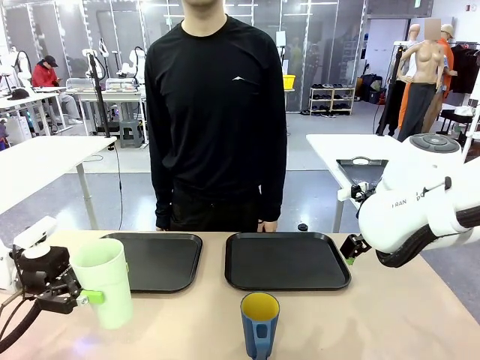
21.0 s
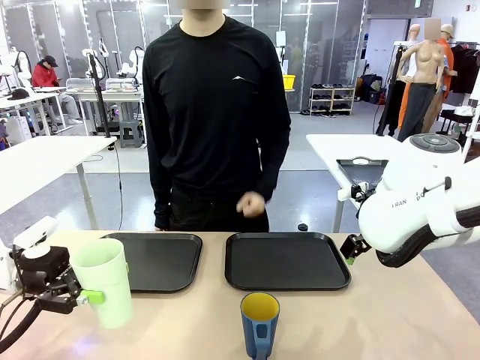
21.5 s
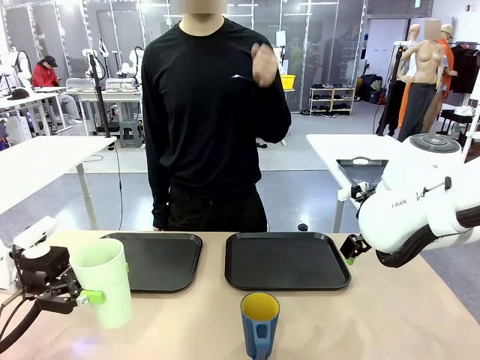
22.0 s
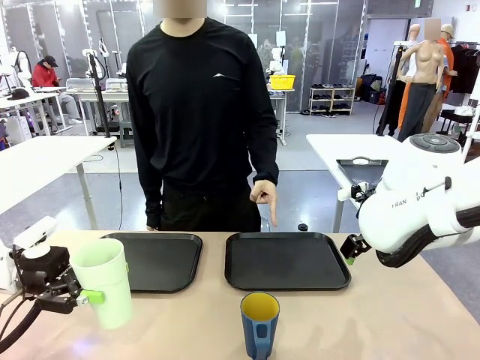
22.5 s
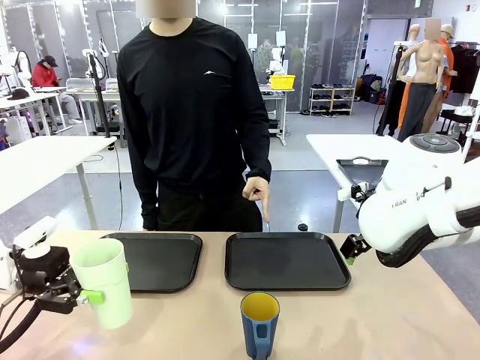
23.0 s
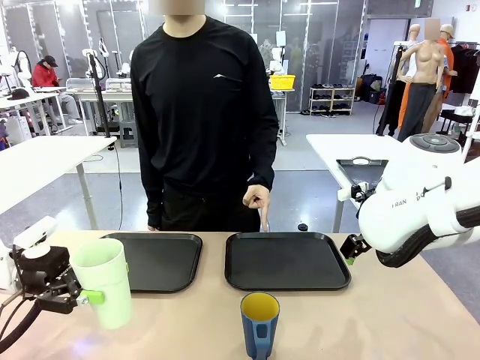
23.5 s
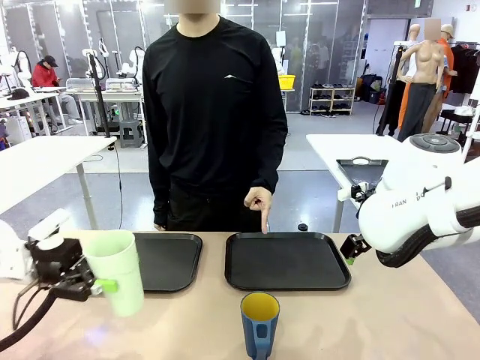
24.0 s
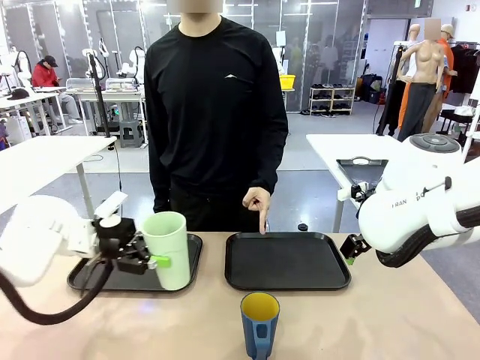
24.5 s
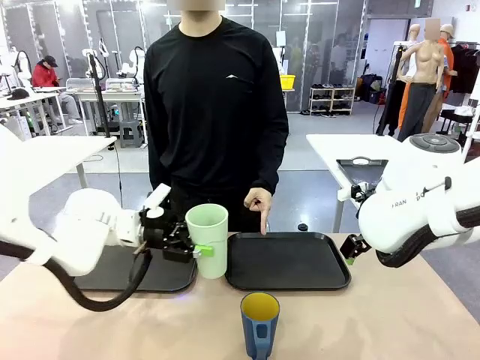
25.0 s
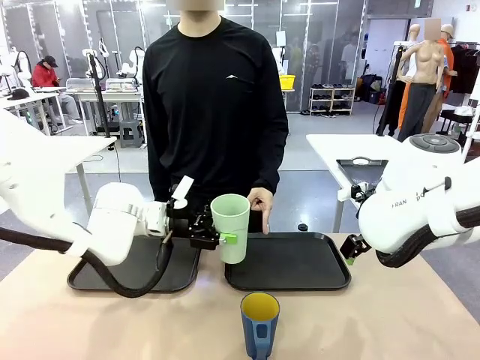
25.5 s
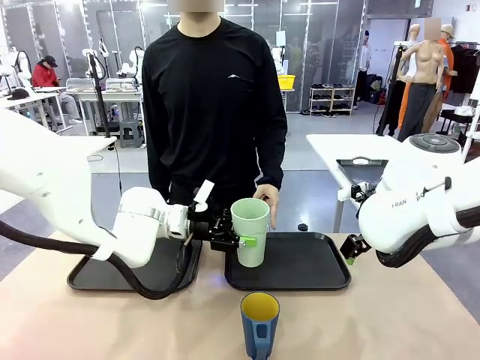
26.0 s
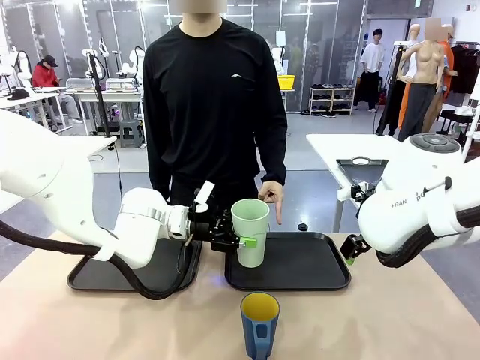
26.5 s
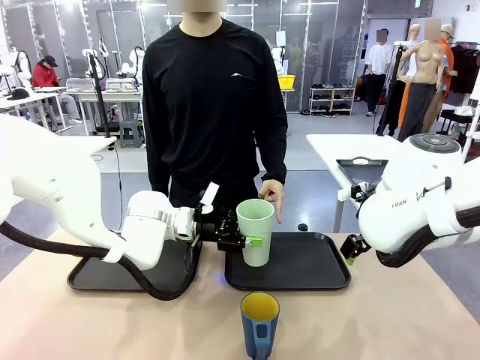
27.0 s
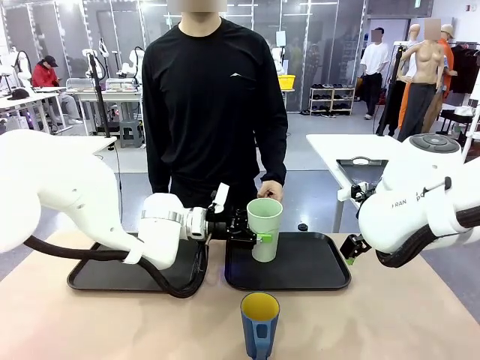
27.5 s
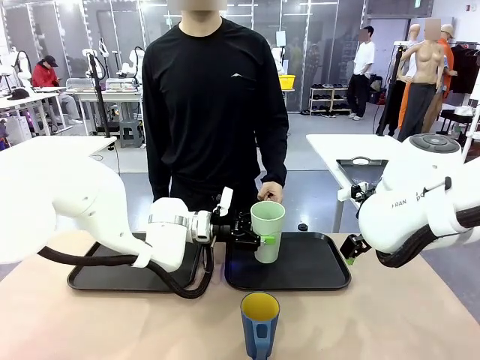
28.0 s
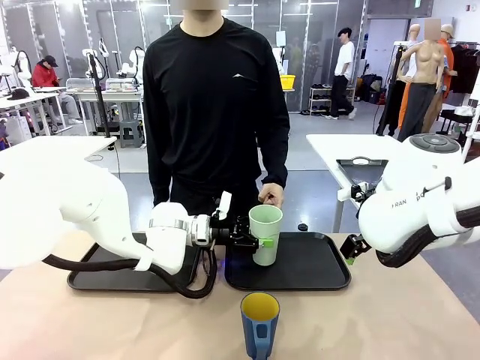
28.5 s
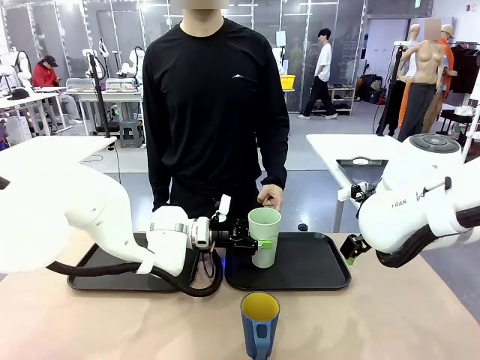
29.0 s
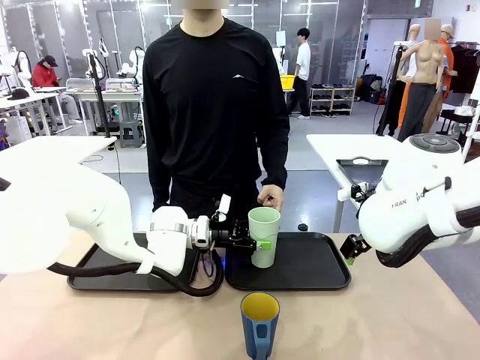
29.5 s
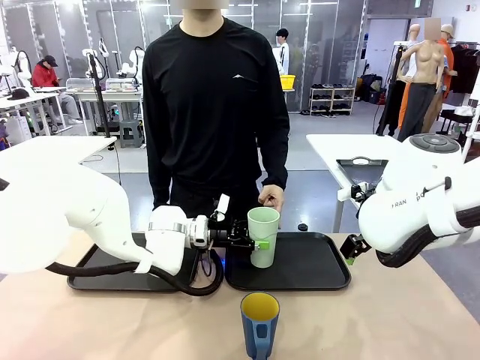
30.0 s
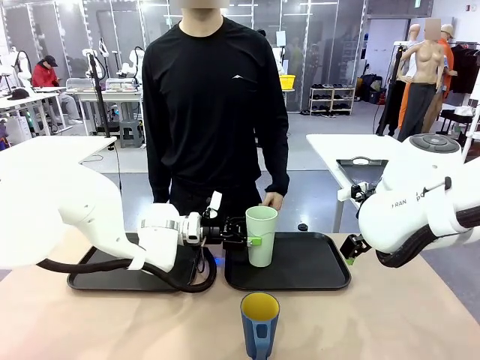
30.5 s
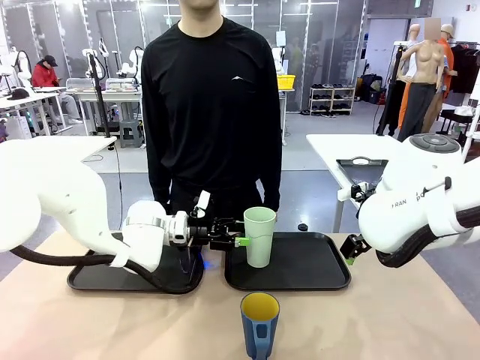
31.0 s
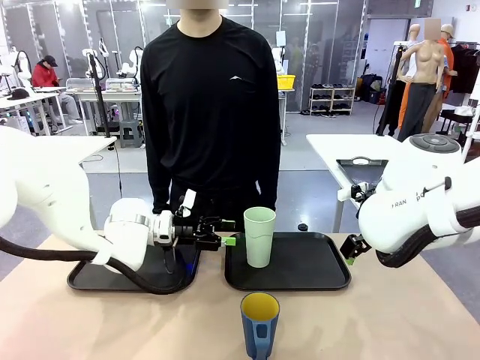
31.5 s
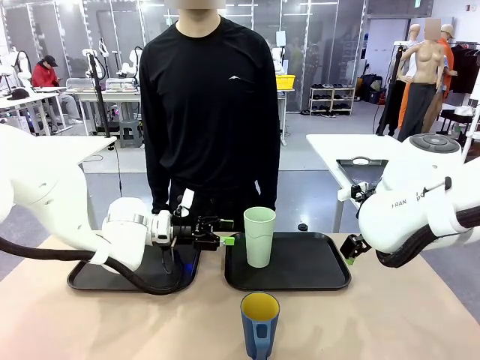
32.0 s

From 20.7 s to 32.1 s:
Task: Sort and store the cups by type.
Robot: Place the picked Reusable plastic cup into the Flat Tray indicated by the person.

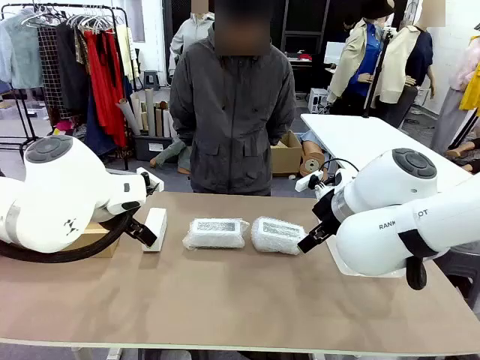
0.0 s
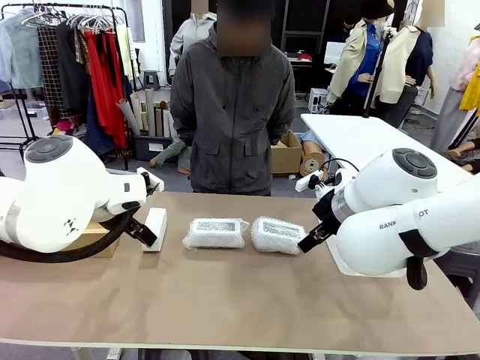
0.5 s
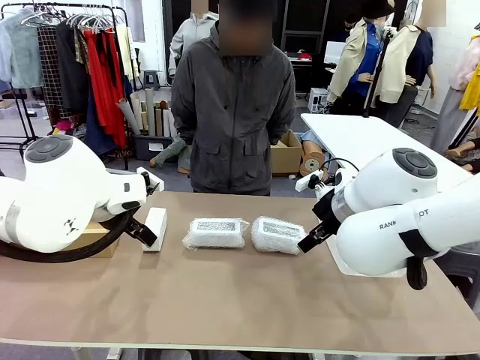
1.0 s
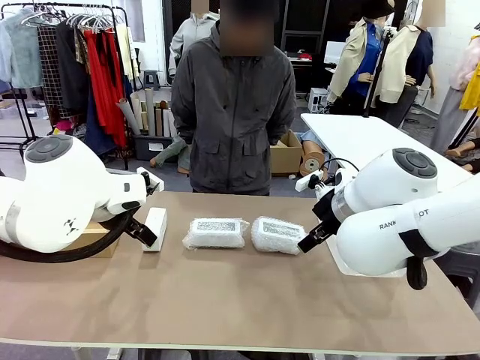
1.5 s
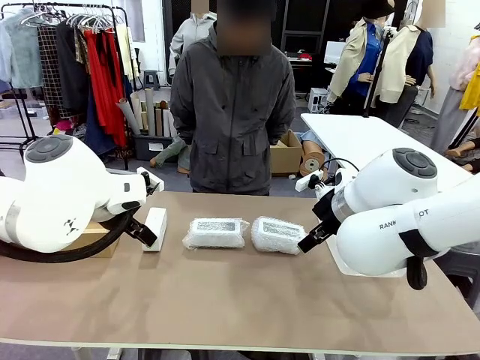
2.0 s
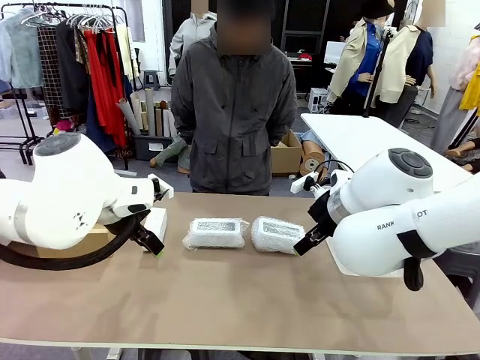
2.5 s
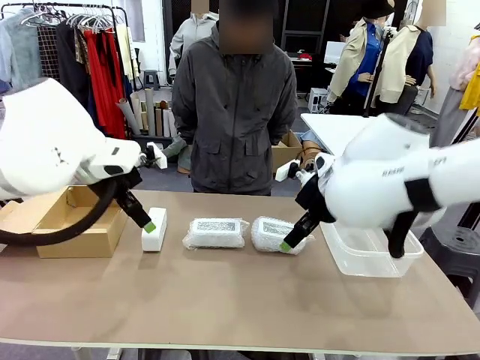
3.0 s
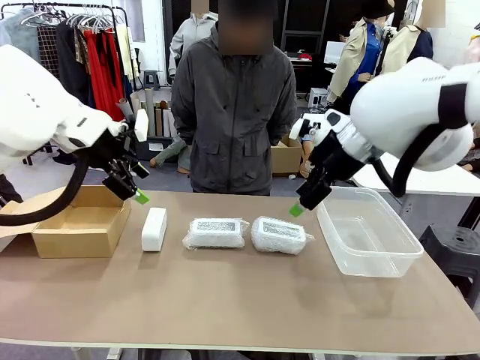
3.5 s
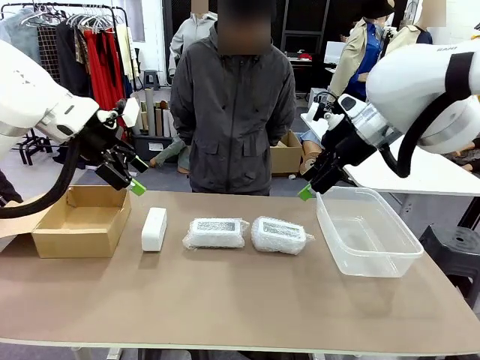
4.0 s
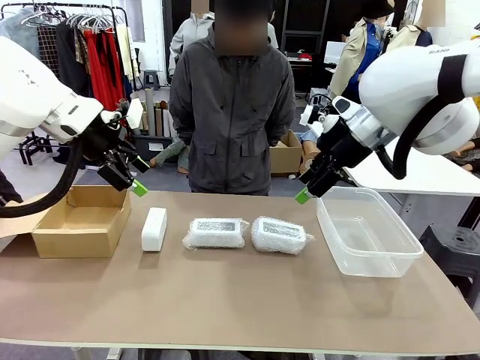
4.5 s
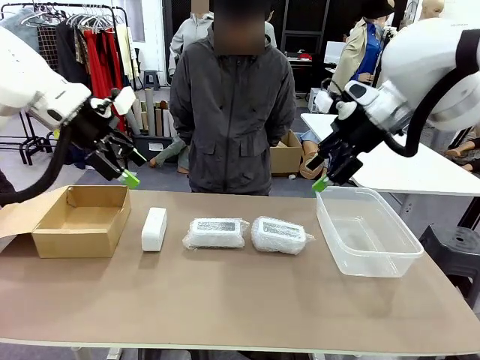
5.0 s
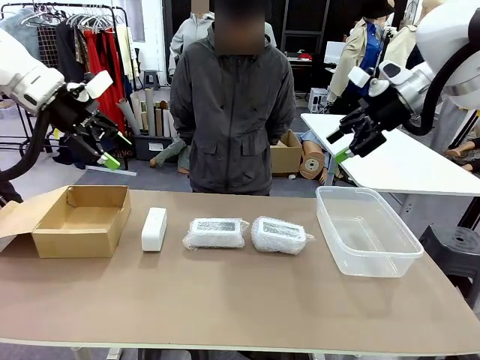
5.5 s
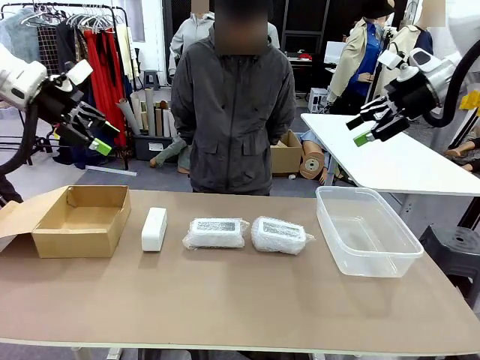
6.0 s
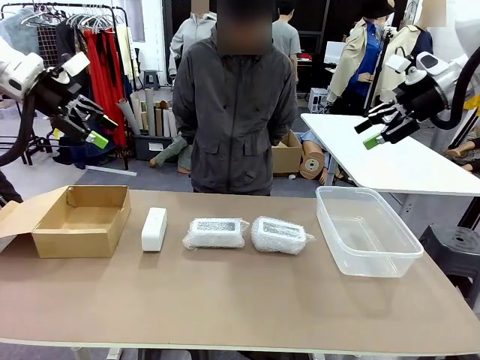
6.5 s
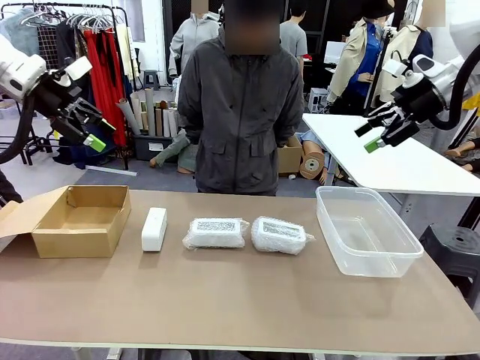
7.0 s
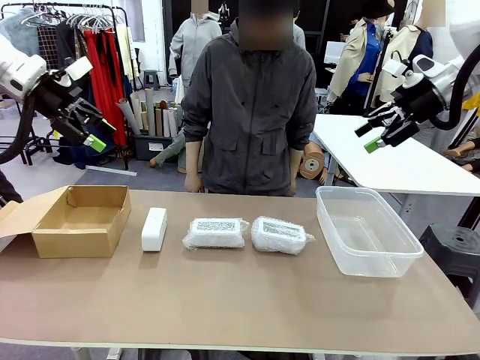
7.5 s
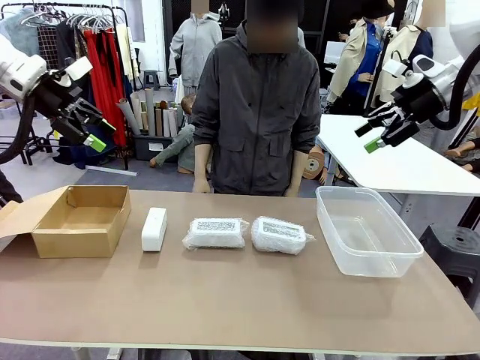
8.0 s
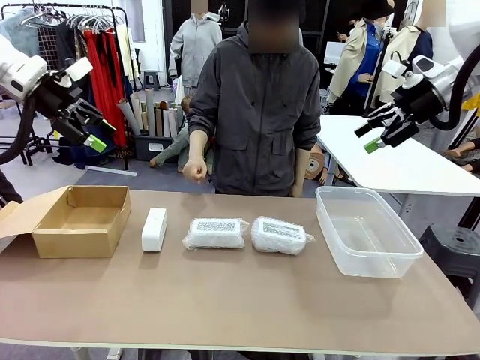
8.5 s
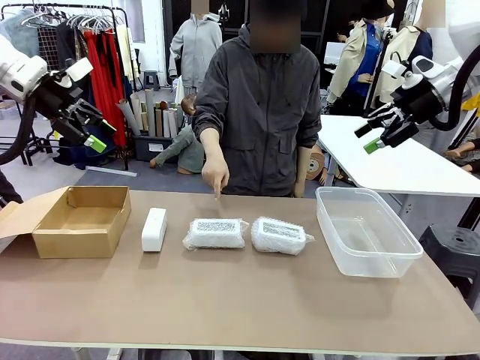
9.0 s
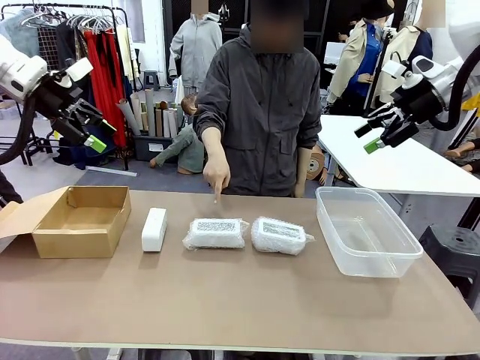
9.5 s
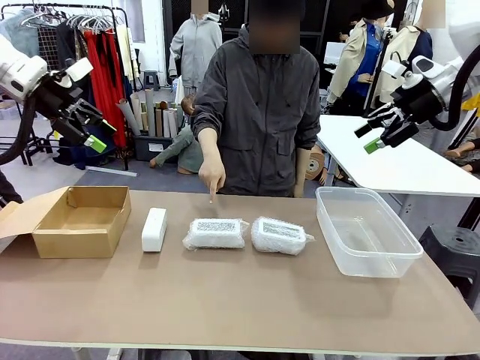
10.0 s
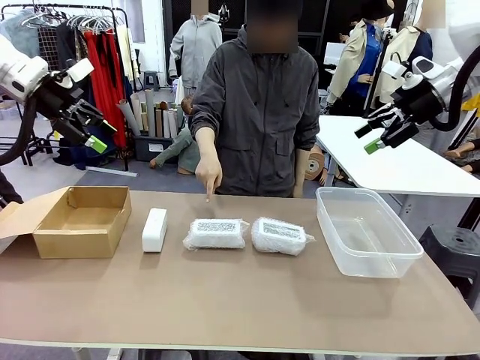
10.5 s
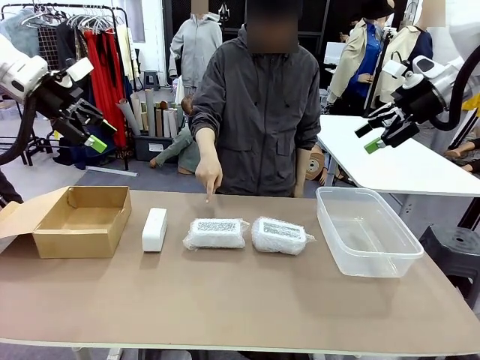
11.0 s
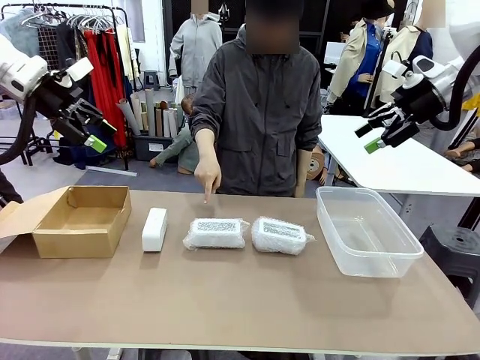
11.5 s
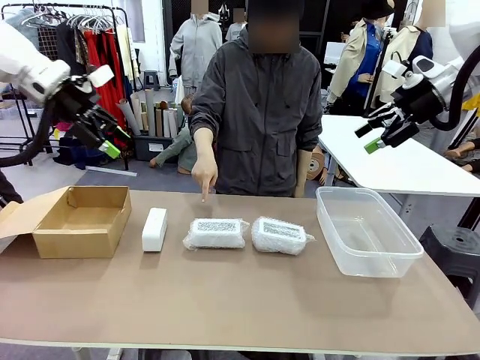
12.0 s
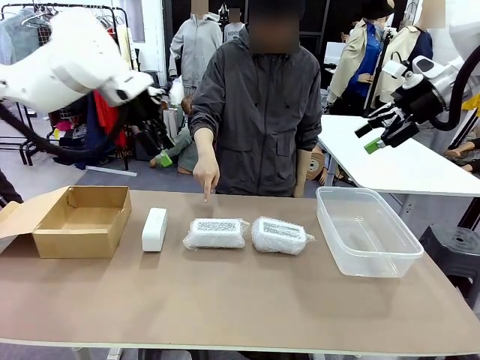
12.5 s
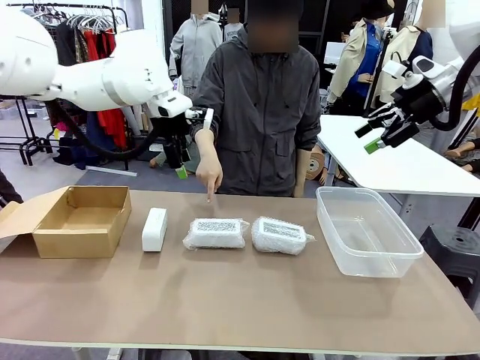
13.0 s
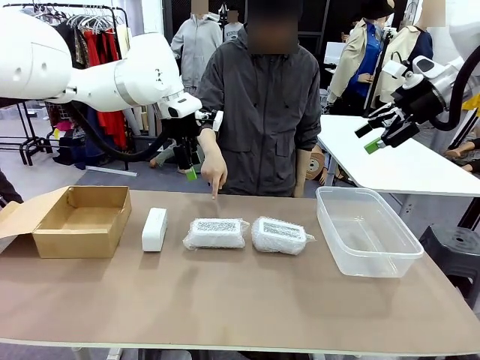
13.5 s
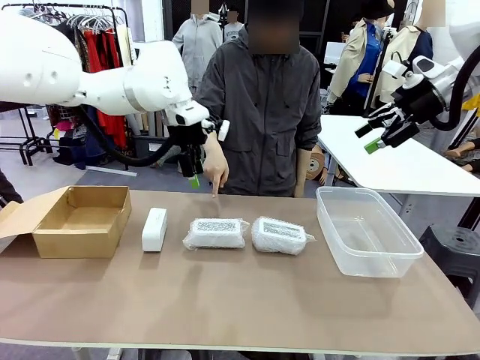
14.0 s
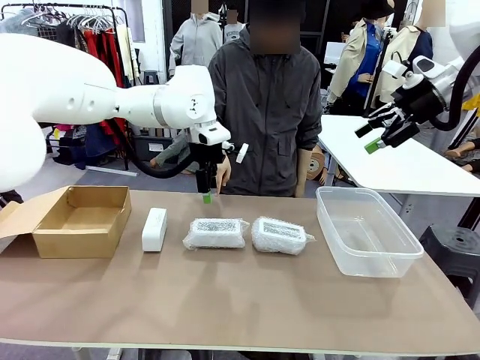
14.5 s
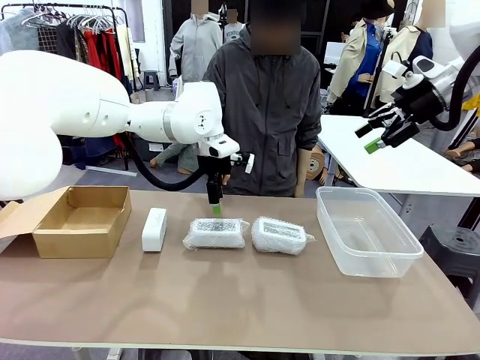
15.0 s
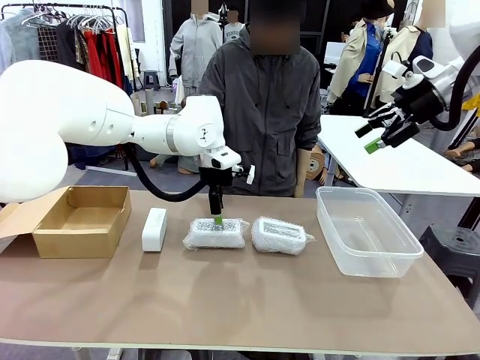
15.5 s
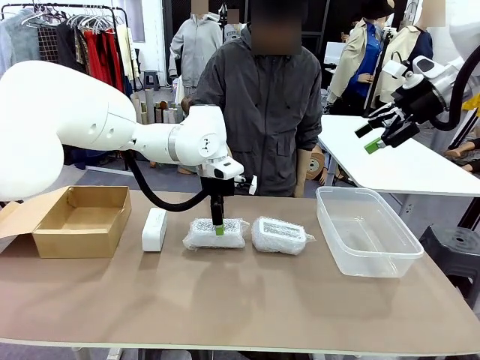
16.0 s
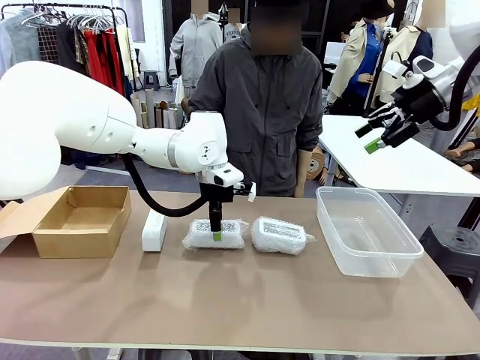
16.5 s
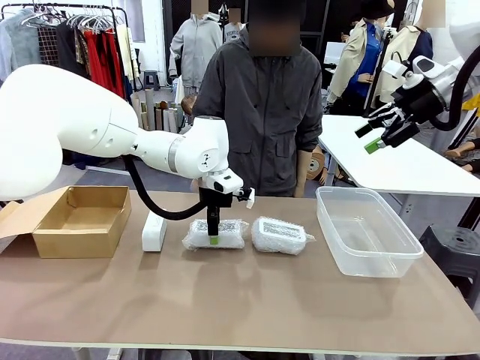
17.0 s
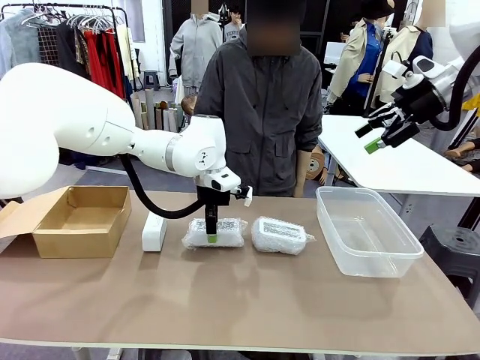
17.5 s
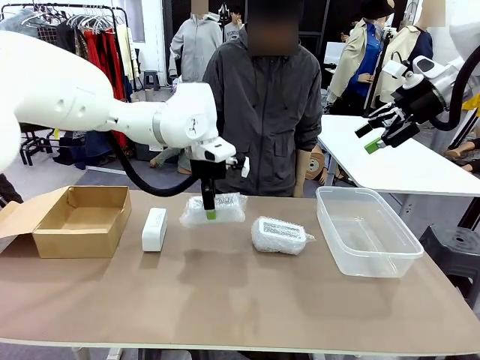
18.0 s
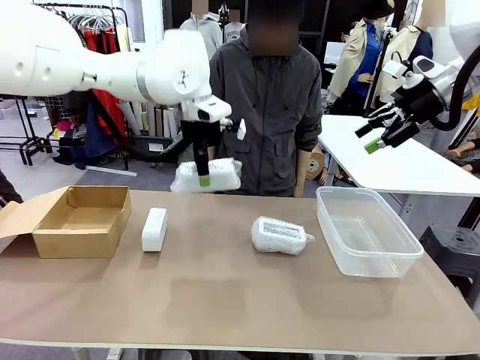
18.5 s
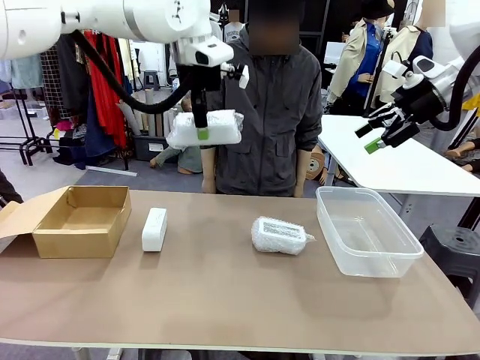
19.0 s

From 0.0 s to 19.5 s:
Task: Separate and place wrapped and unwrapped clocks.
Robot: Pick up the Digital clock indicated by the person.
